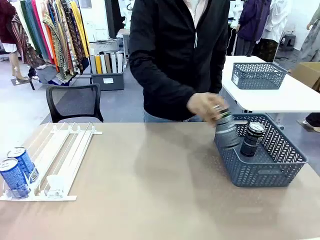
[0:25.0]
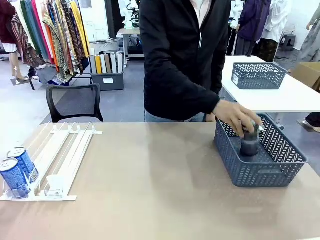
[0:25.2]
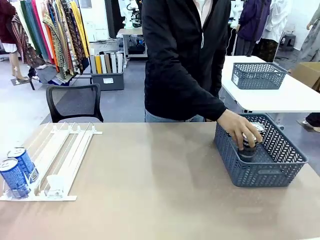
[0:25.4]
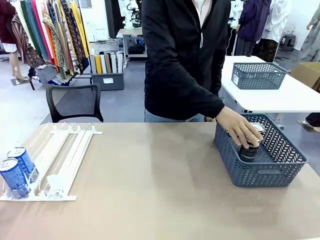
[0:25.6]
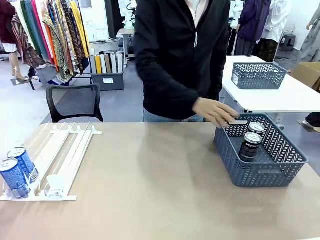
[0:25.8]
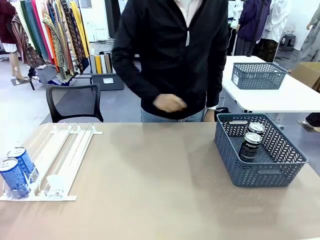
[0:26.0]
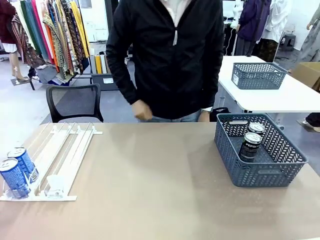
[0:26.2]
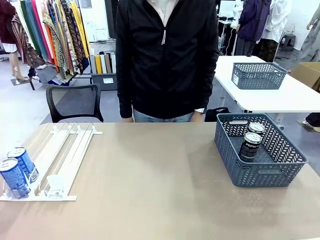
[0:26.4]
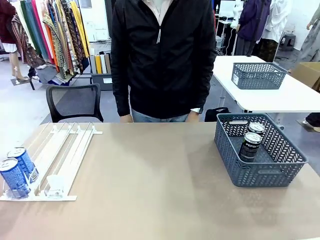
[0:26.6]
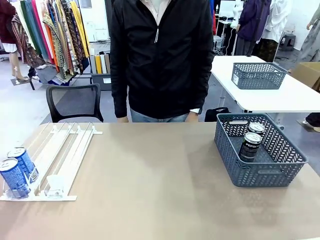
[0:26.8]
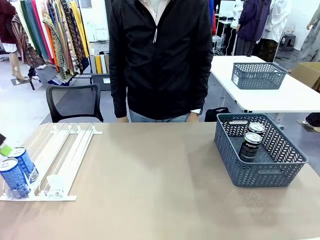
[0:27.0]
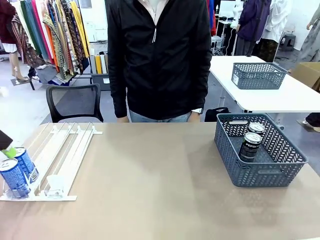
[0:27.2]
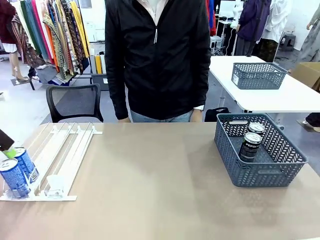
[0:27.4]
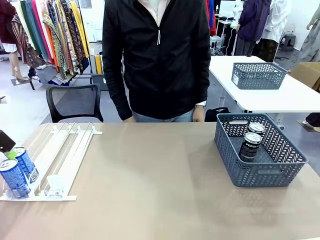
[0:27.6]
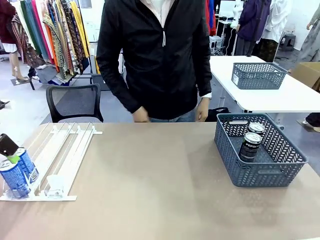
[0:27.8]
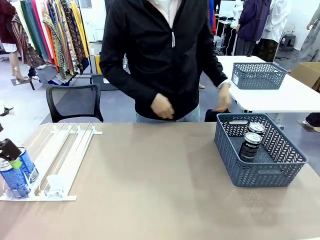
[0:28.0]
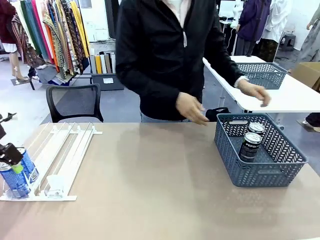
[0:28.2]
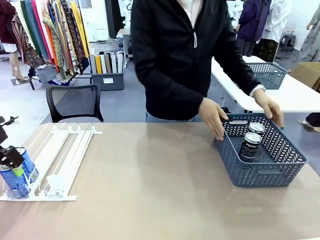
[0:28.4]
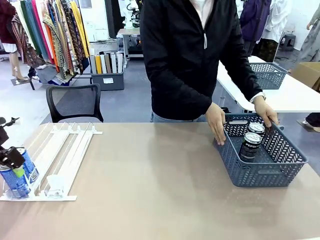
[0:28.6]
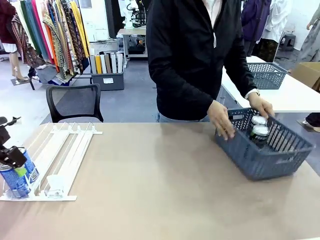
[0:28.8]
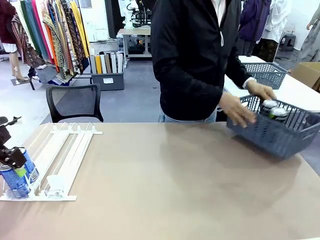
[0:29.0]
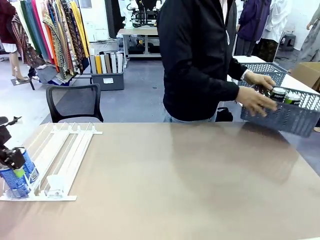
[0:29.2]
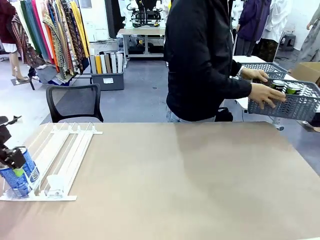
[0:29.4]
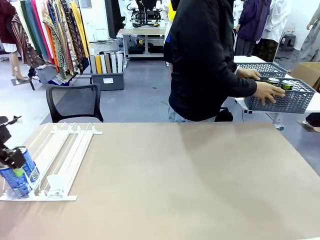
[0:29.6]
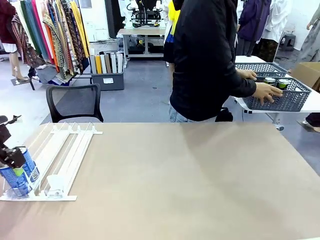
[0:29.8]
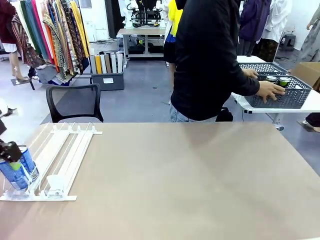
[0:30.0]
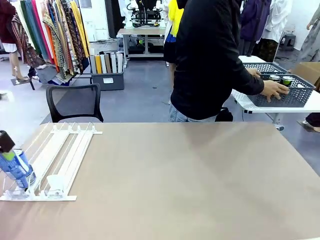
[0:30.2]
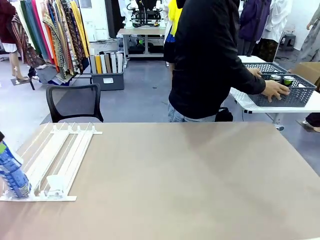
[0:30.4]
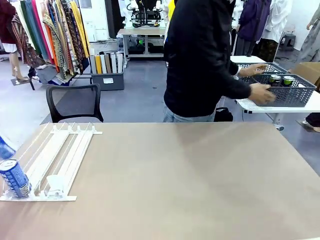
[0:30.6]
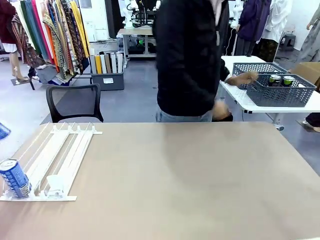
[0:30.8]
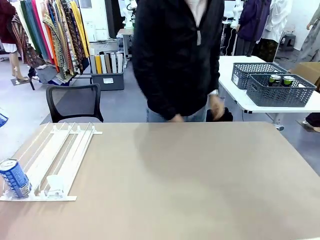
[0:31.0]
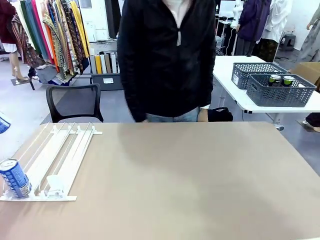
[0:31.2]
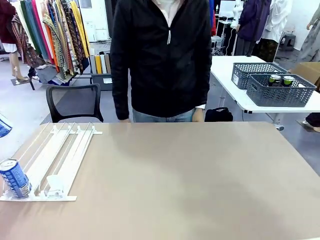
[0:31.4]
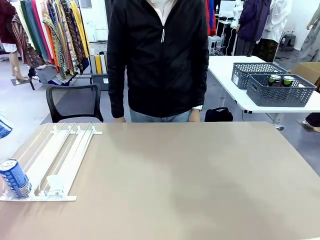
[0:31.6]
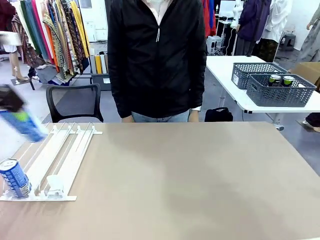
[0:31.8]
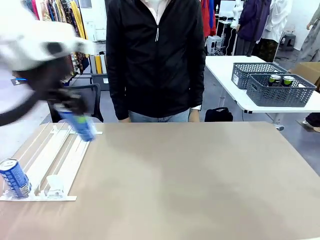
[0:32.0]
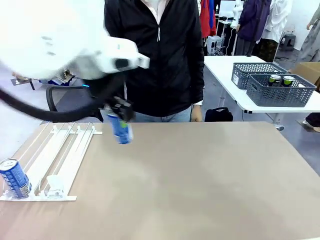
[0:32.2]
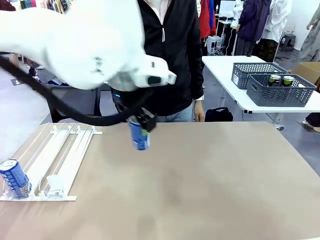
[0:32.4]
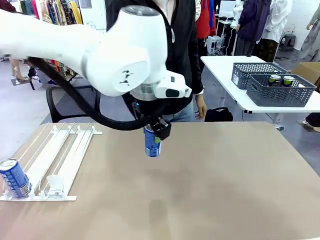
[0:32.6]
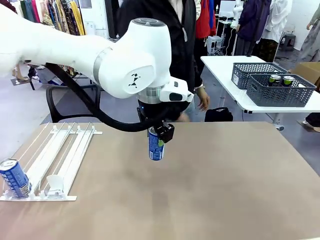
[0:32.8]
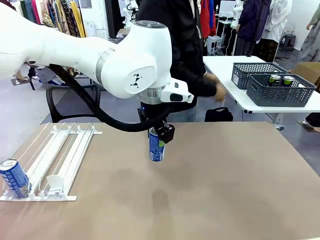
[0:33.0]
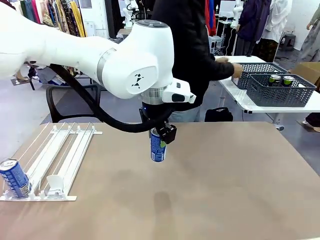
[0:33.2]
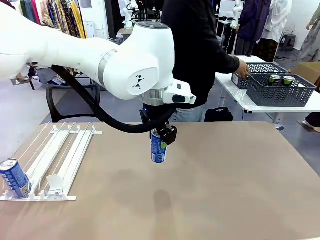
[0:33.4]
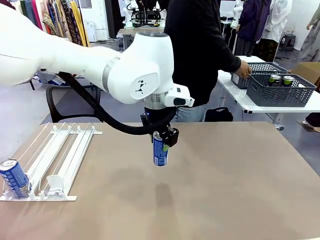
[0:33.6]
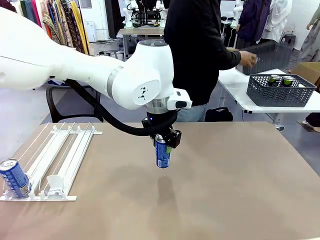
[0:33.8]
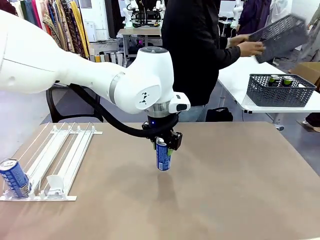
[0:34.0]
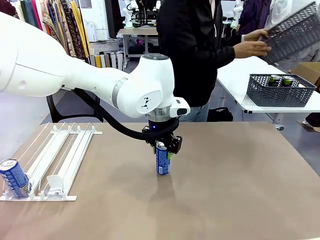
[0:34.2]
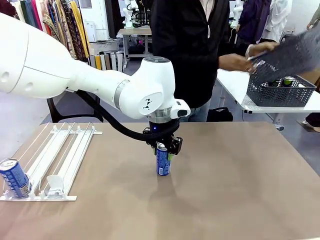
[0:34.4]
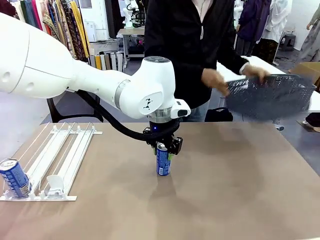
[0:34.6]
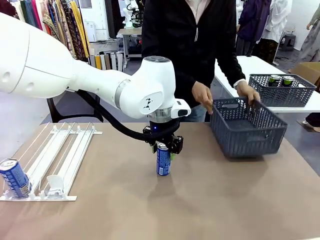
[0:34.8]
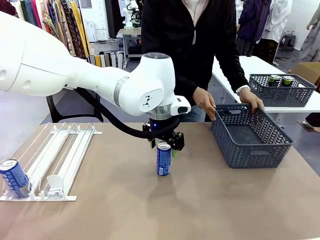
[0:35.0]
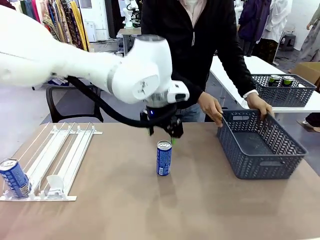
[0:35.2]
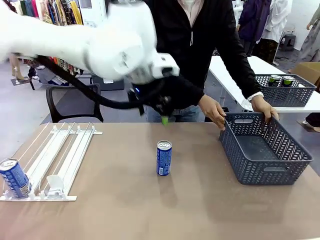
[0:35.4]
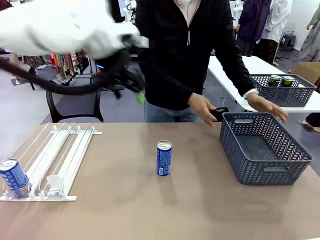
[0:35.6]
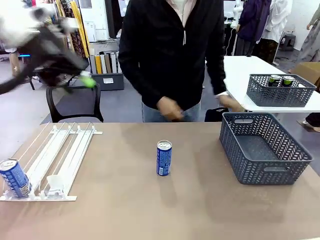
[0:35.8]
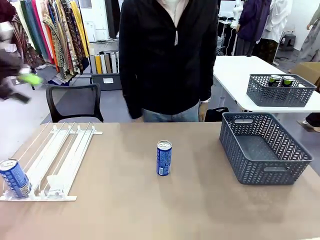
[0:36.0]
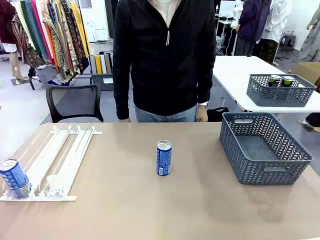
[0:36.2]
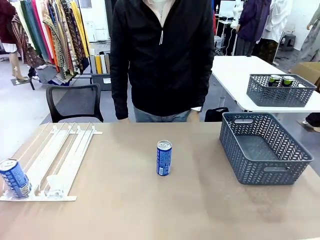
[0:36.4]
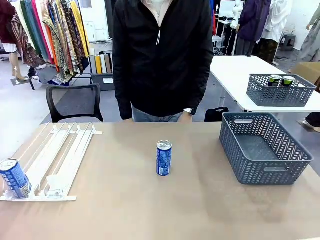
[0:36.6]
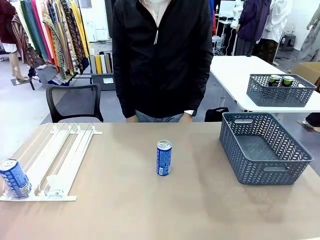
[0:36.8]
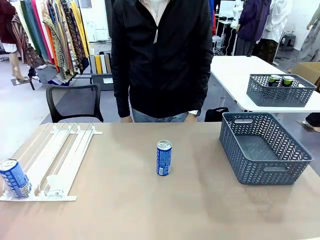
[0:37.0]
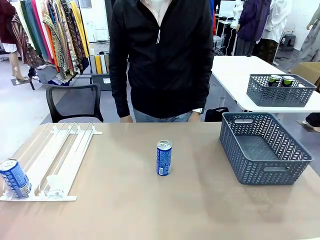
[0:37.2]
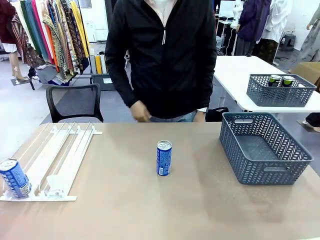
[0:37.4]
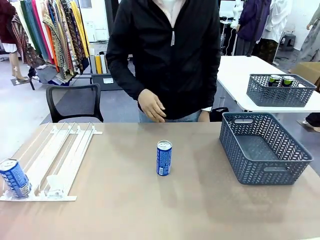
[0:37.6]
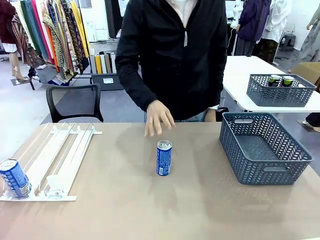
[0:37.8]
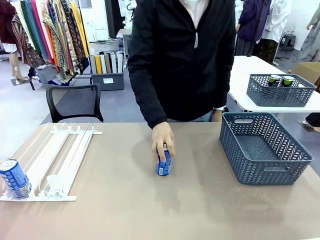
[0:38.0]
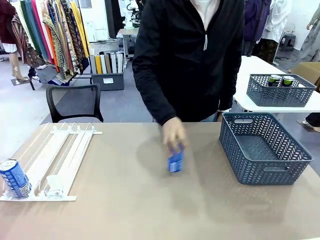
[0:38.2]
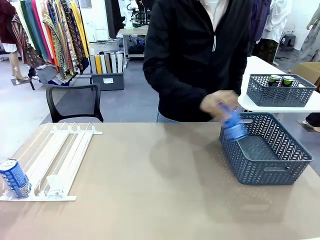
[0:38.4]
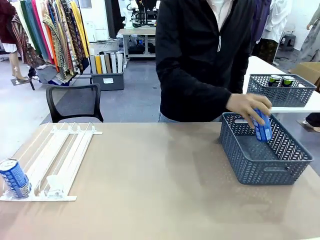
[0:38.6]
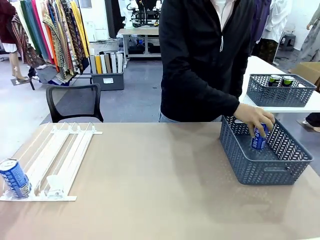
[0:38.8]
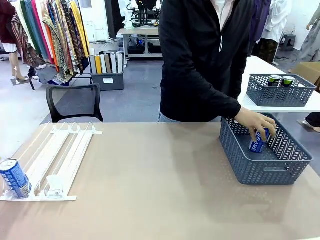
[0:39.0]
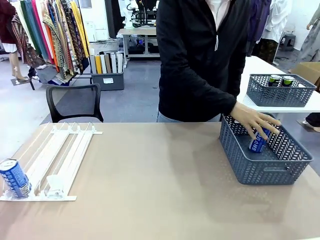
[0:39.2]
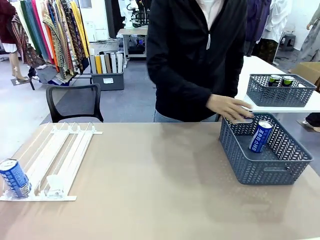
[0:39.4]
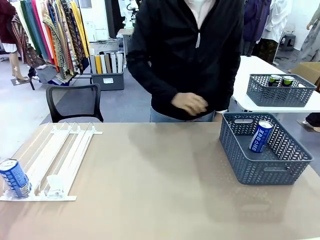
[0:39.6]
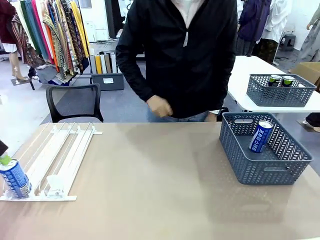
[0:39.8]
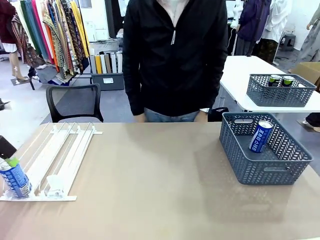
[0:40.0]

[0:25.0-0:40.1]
Task: Retrieve and store the cans from the dispenser.
Robot: Pick up one can from the Automatic Can Dispenser and place it in the middle of the table.
Person: Pick up the basket and place it in the middle of the human table. Pick up the empty basket and place it on the left side of the robot table.

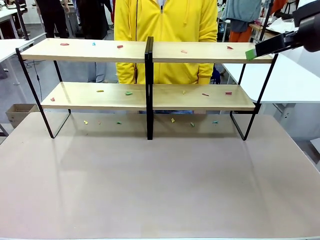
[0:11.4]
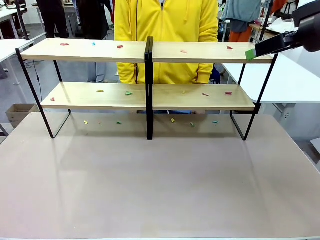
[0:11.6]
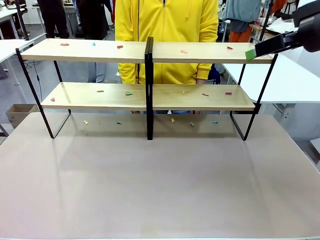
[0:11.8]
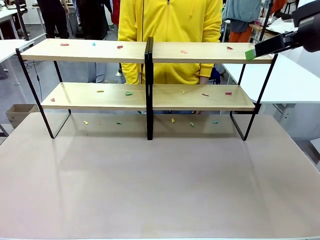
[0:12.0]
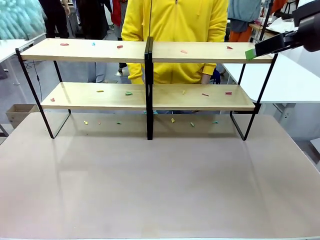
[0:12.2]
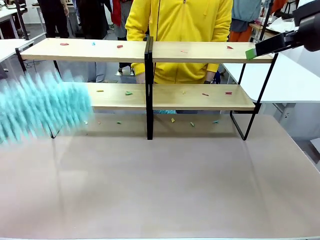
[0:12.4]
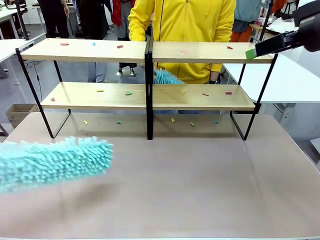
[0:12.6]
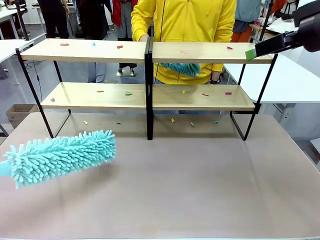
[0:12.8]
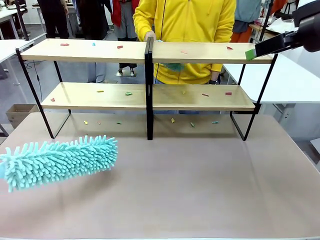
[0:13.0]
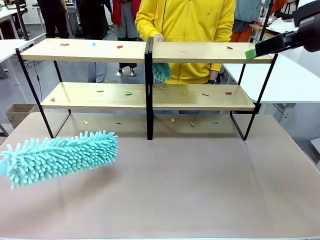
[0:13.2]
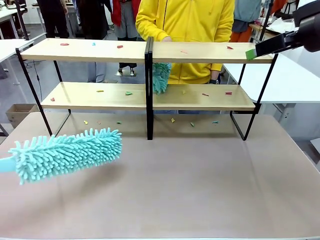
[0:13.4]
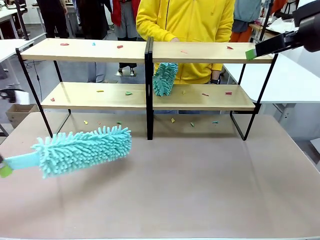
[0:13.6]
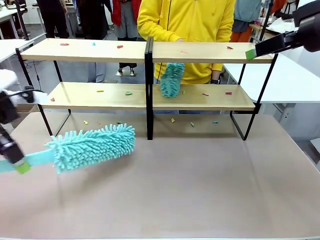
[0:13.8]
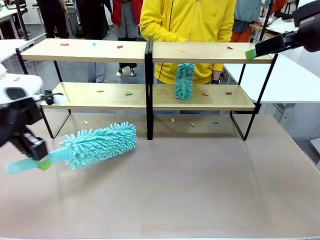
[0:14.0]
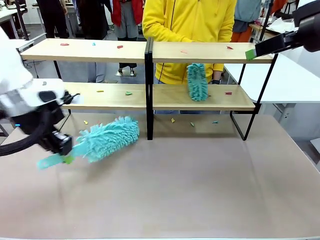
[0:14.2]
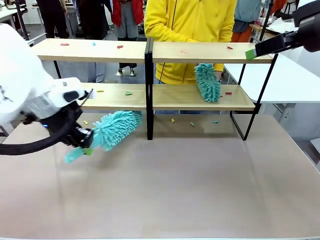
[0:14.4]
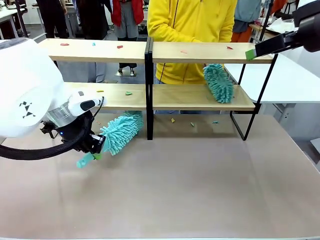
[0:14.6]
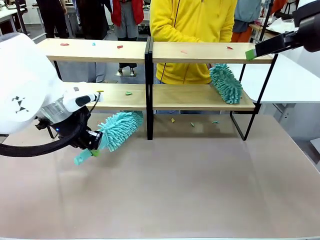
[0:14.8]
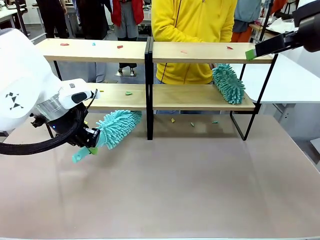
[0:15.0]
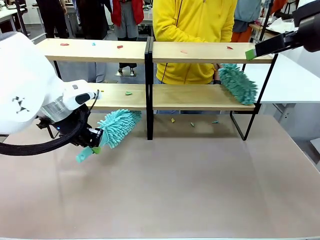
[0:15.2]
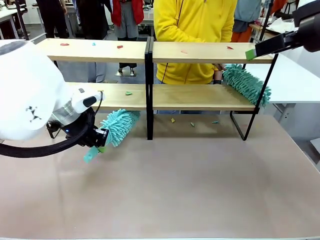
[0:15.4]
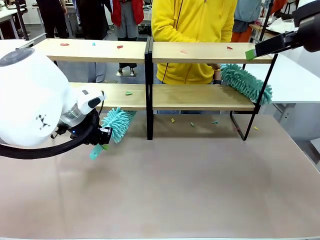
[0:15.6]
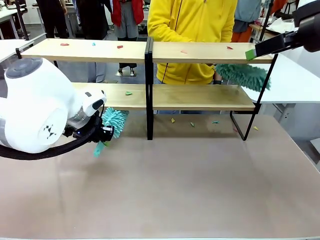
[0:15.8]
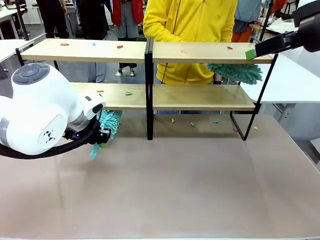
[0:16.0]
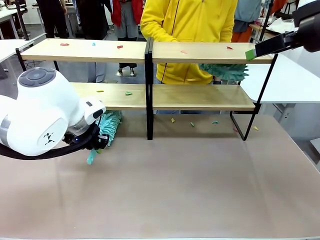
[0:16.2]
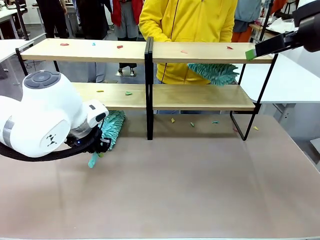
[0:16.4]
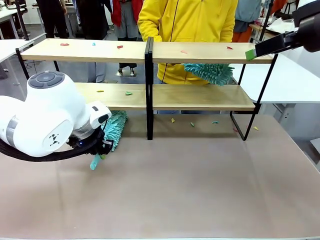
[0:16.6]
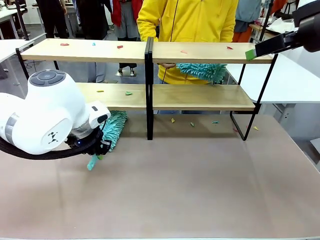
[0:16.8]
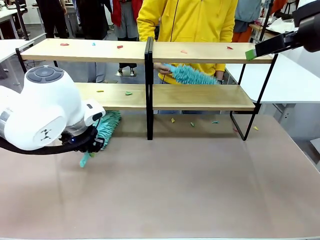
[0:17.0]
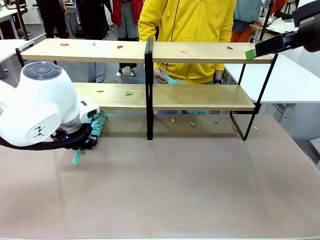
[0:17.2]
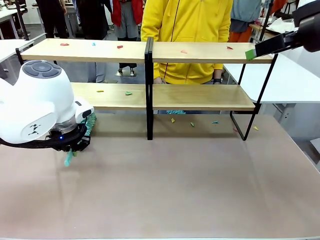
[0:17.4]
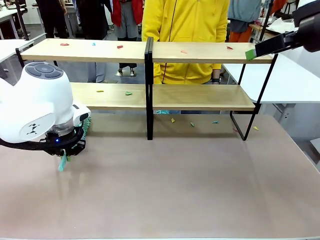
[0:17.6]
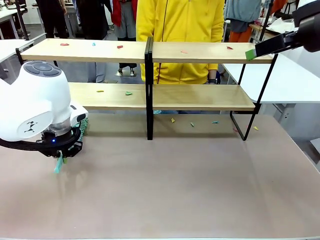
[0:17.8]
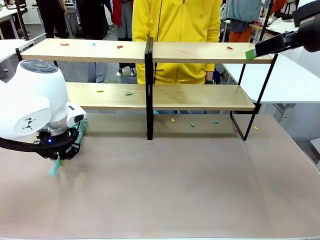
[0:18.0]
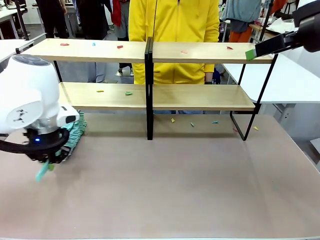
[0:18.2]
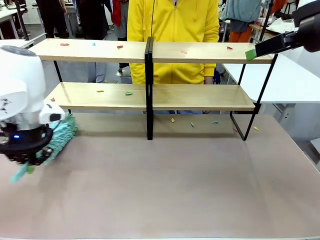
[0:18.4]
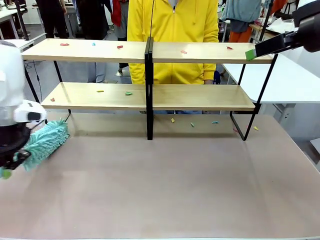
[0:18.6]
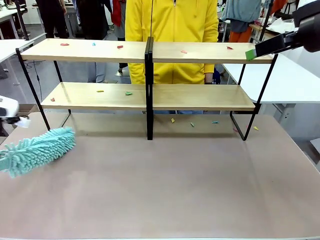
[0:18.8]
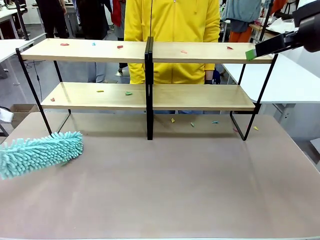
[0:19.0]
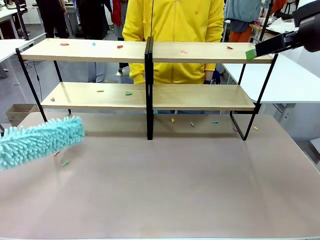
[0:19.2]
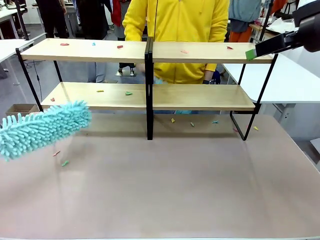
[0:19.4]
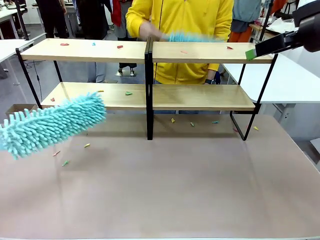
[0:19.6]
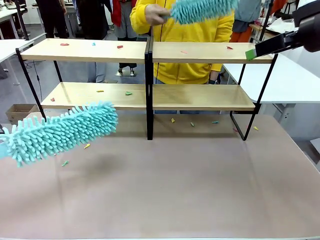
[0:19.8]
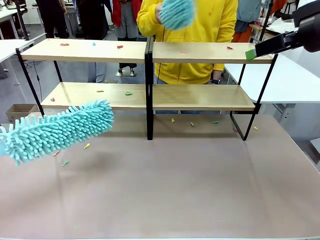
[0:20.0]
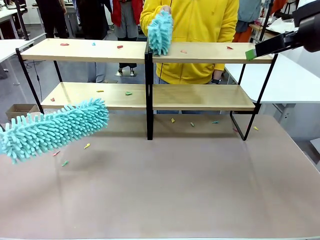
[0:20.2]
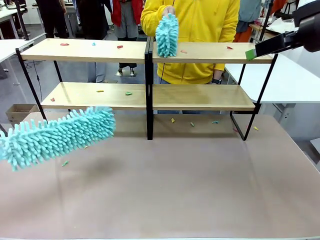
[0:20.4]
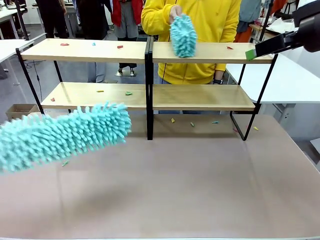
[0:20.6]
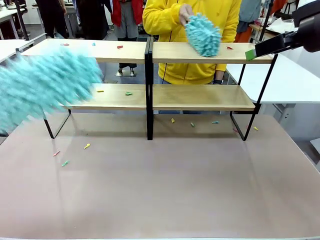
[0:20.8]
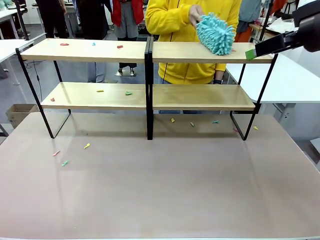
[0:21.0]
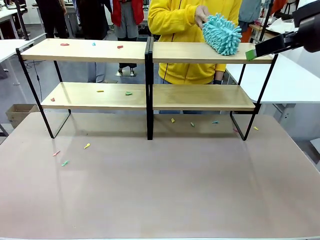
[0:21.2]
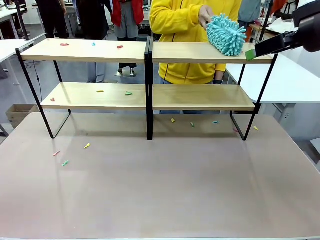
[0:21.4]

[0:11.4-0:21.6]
Task: Clean the shelves.
Robot: Clean a randomly selected level of the Shelf with the Duster.
